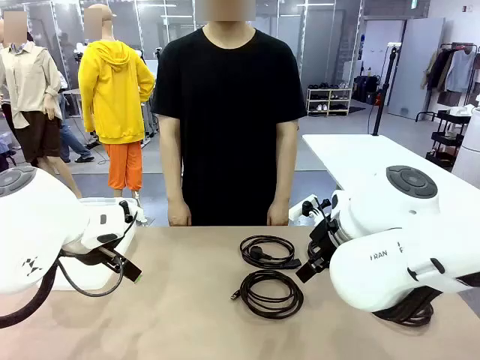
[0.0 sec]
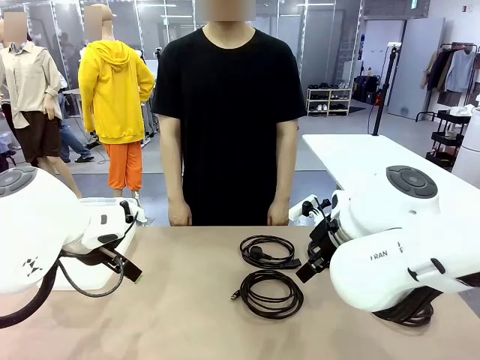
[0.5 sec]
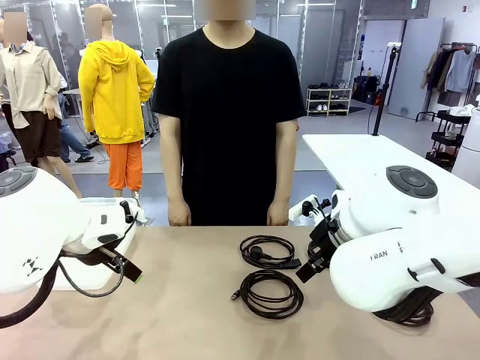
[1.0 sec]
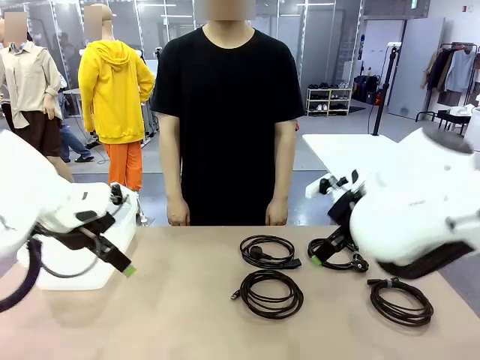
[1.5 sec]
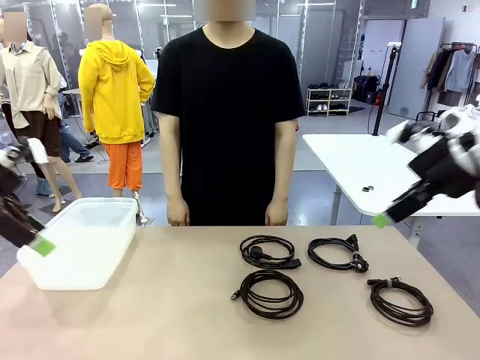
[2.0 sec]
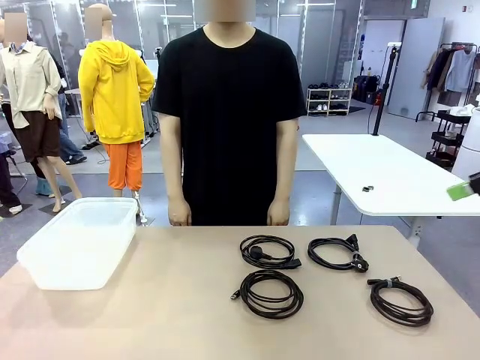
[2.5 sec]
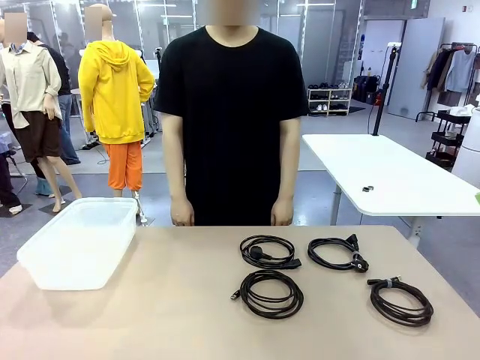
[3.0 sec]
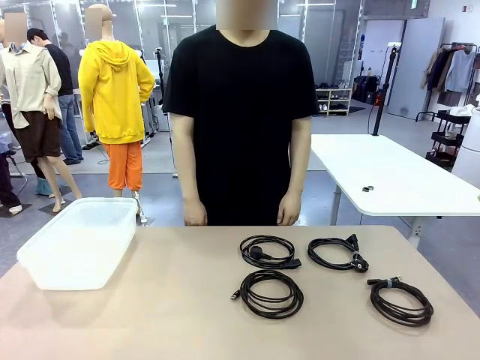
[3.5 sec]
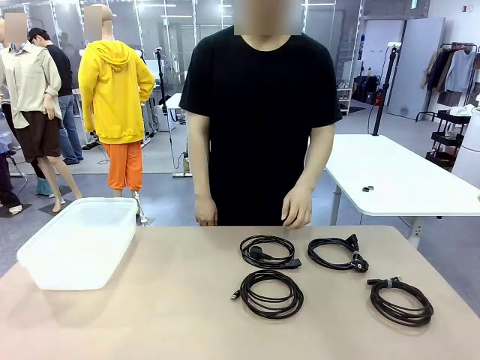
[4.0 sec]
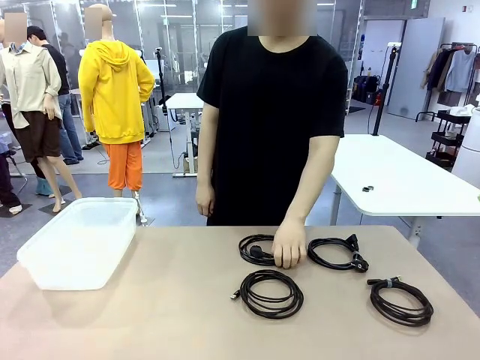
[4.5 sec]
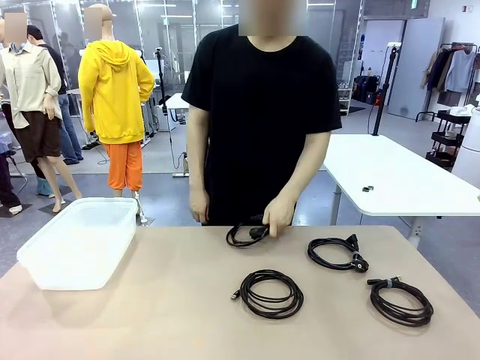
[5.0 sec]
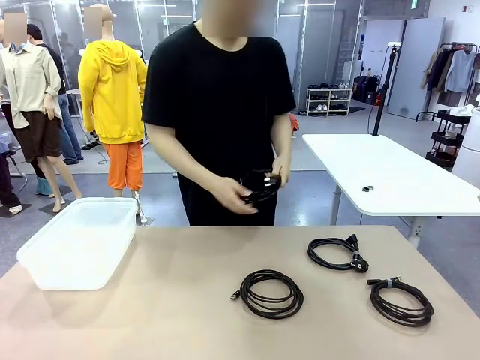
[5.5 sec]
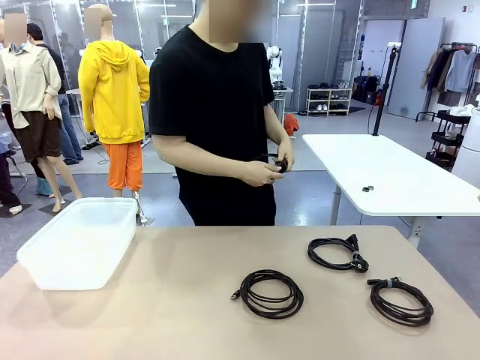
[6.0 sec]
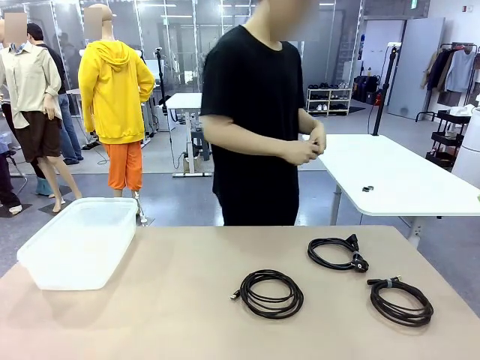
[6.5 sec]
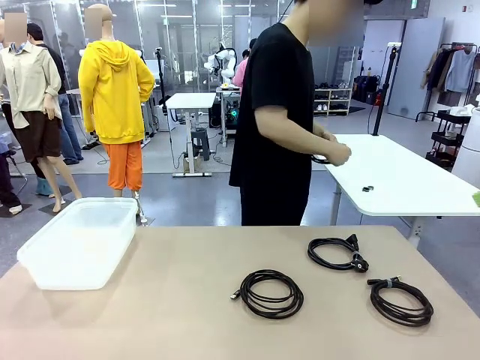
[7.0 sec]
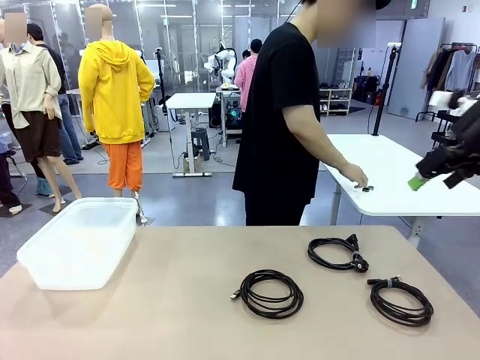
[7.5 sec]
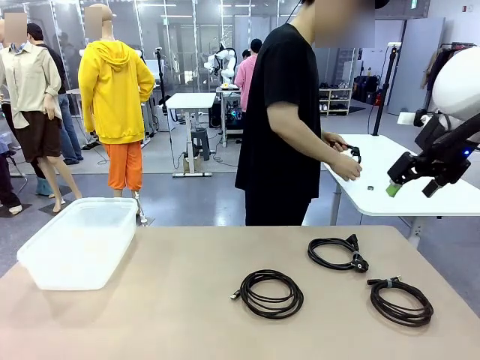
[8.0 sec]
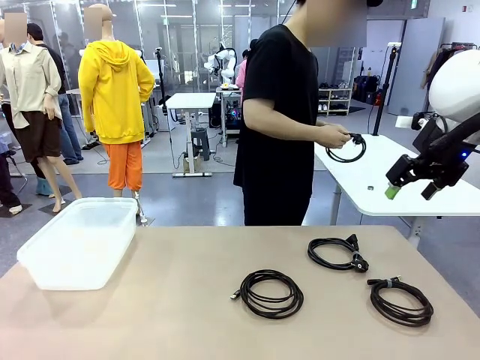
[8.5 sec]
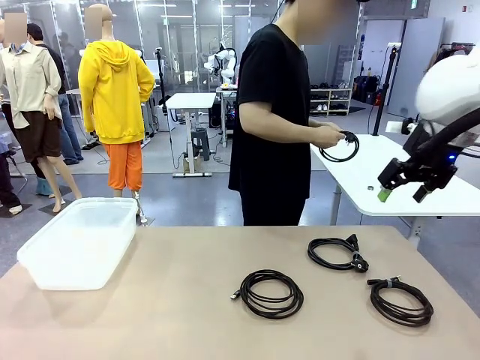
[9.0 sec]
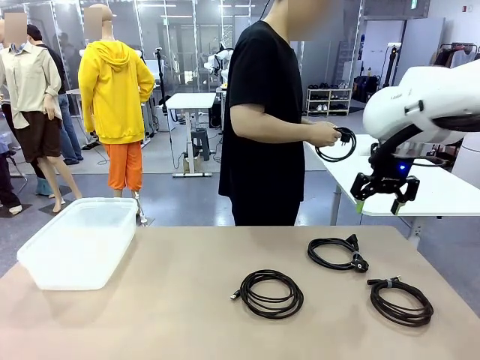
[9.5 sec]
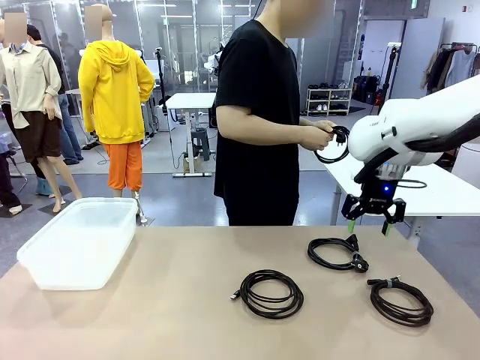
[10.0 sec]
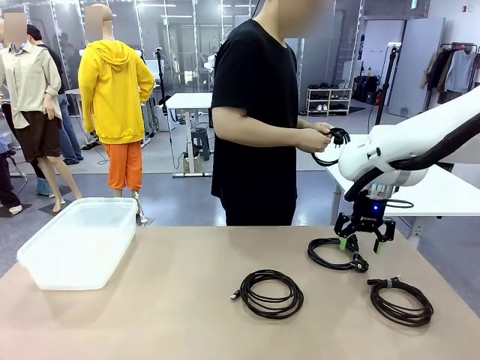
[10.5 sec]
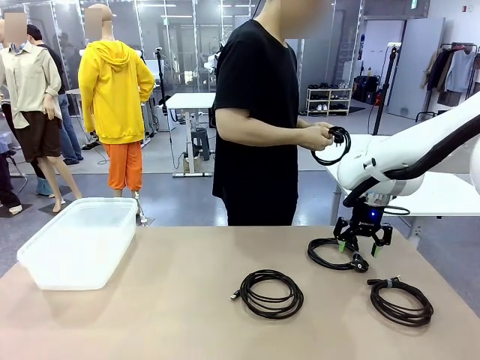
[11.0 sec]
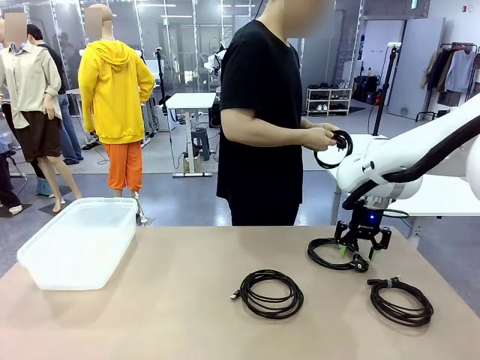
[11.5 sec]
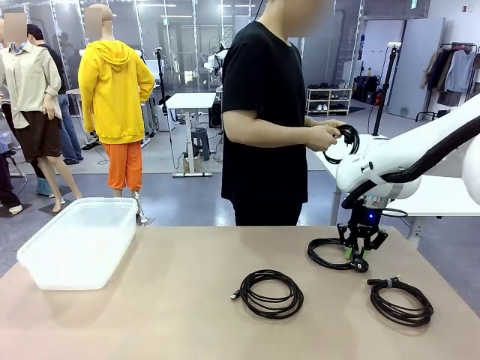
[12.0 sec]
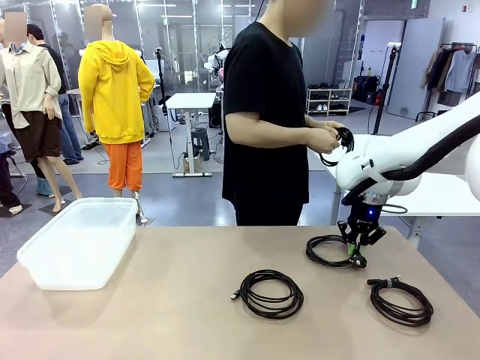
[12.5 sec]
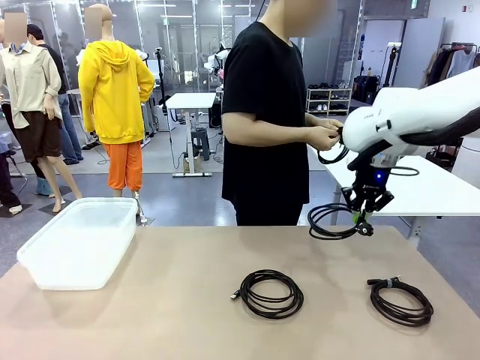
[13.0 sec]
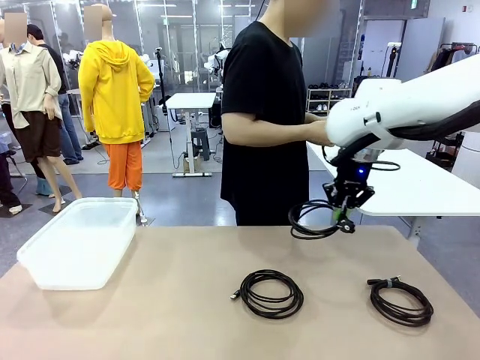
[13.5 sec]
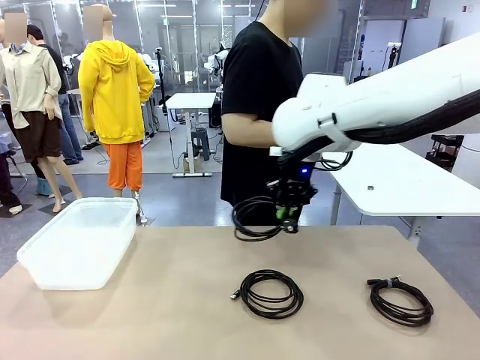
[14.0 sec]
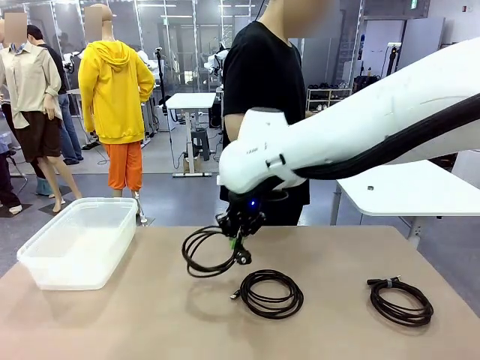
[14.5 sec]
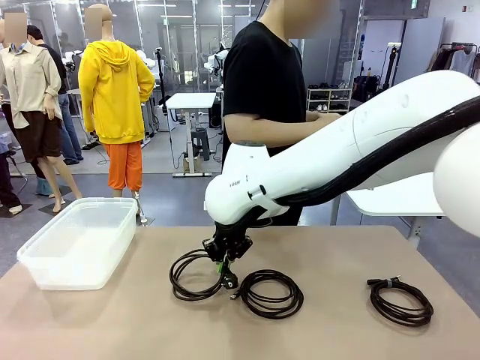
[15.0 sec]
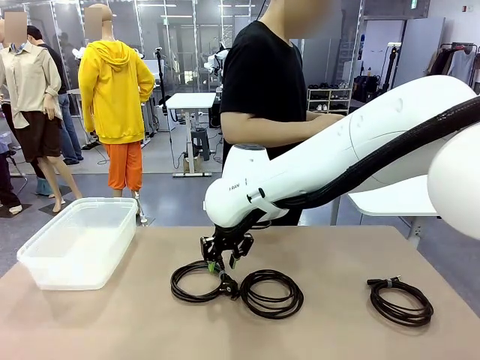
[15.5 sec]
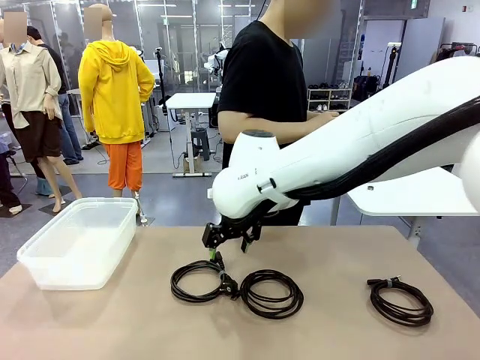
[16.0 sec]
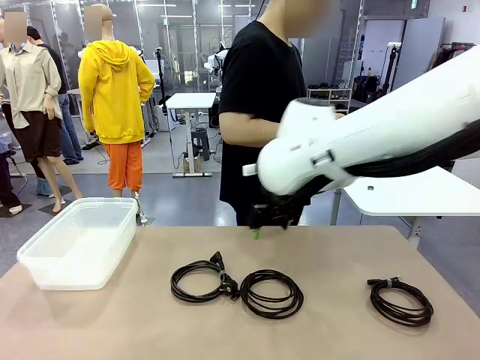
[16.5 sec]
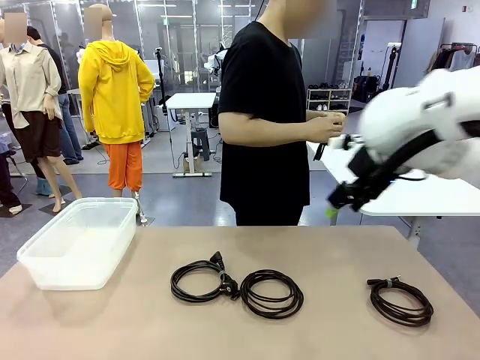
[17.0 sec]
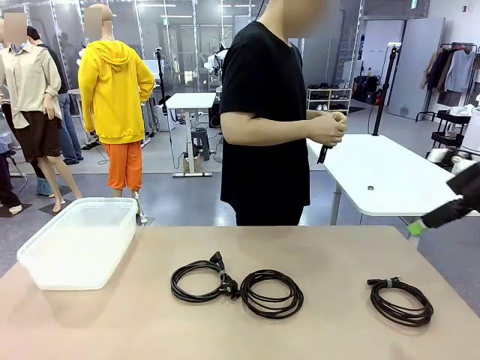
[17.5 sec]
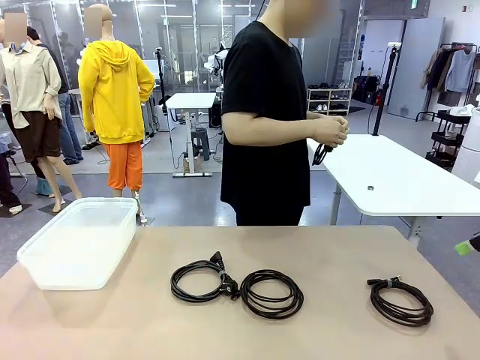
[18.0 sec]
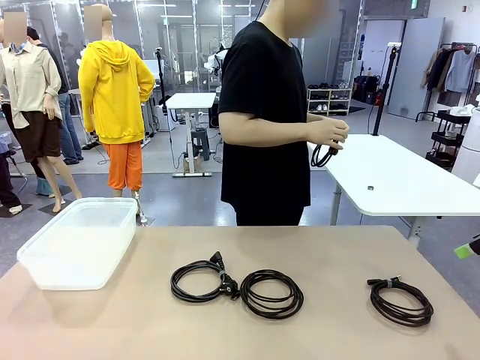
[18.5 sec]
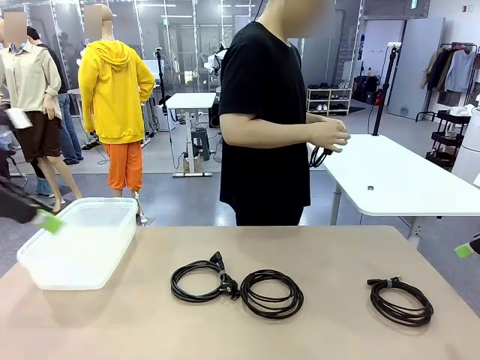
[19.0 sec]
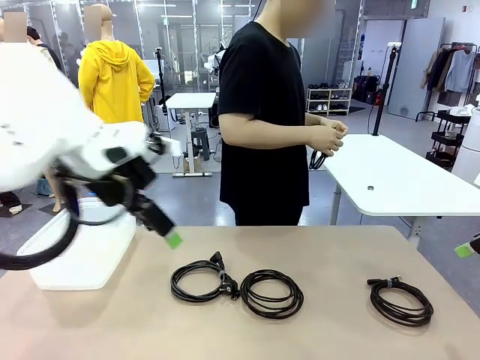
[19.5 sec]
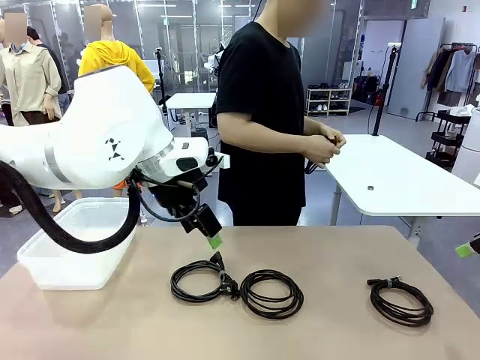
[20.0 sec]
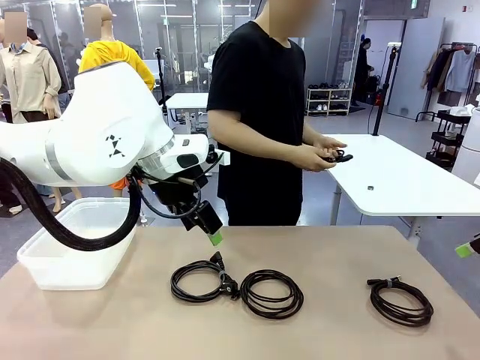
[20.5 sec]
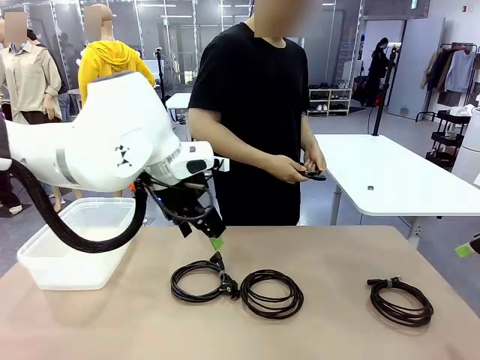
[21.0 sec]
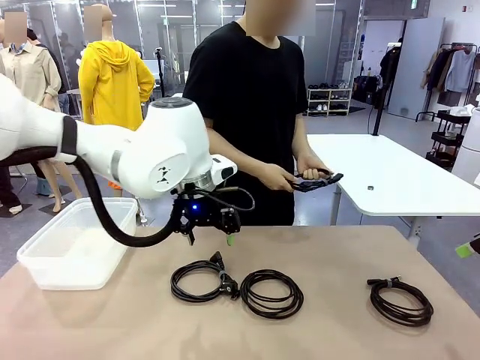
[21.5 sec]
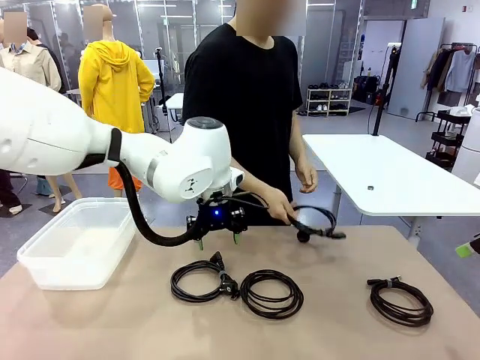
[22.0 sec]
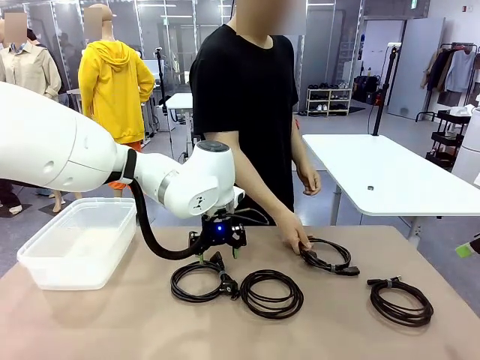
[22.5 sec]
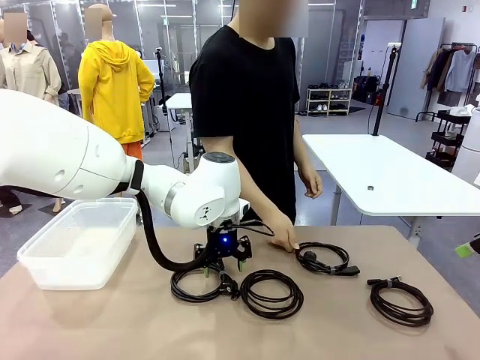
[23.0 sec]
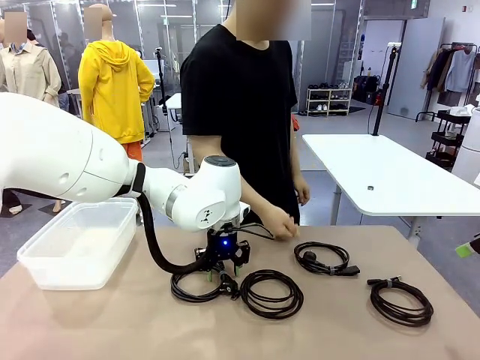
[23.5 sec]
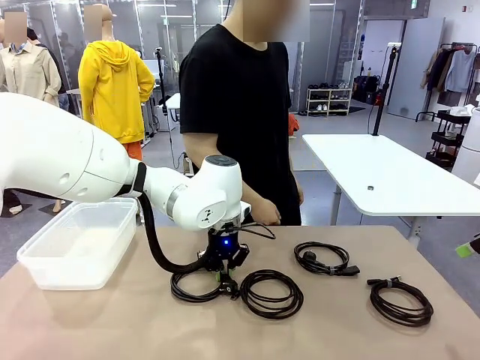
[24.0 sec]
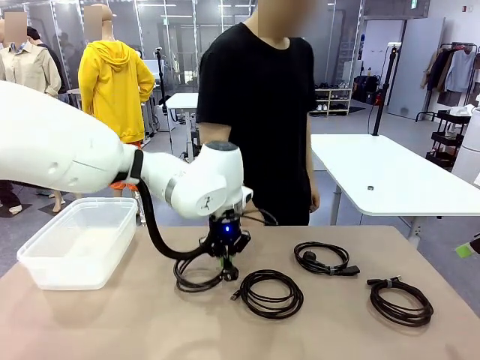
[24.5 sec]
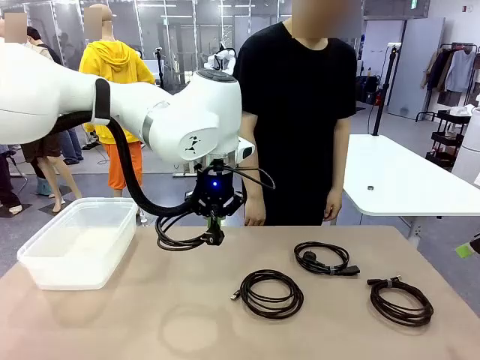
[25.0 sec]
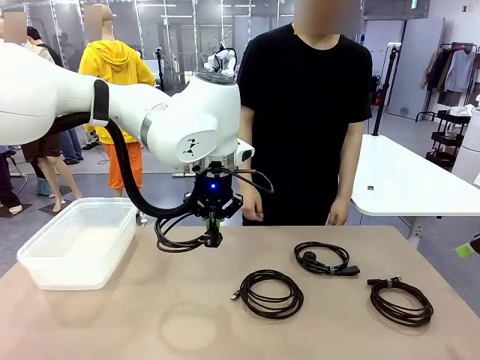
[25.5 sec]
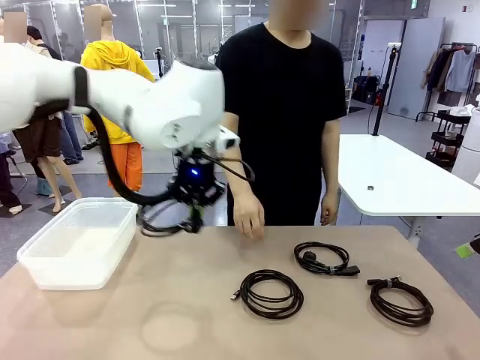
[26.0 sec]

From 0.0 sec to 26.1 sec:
Task: Organize and store the cables.
Robot: Place the Power Cable into the Organizing box.
Person: Tie one Power Cable with a Reusable Cable Tie.
